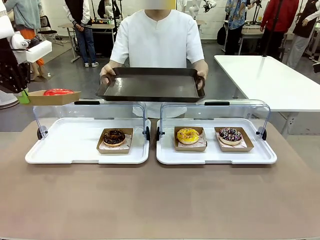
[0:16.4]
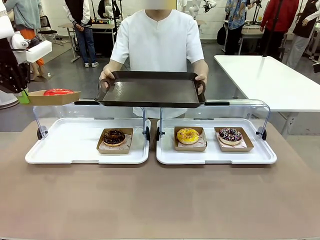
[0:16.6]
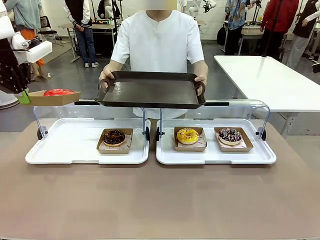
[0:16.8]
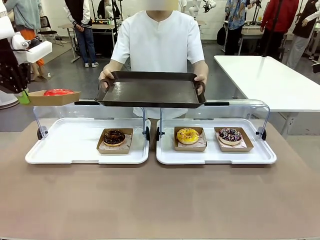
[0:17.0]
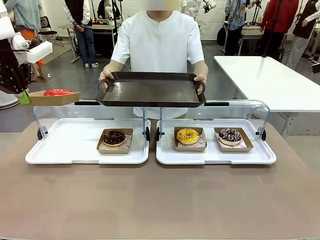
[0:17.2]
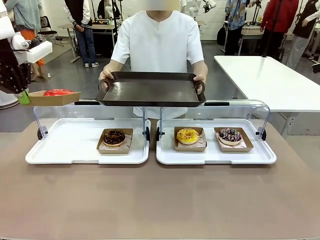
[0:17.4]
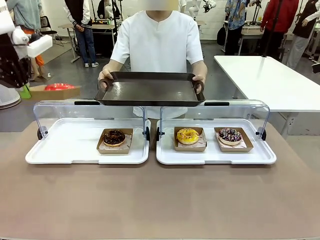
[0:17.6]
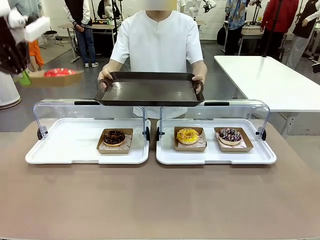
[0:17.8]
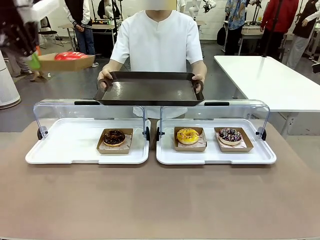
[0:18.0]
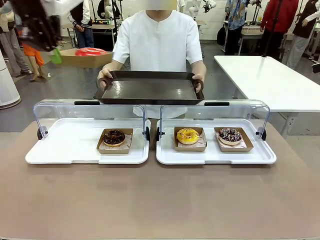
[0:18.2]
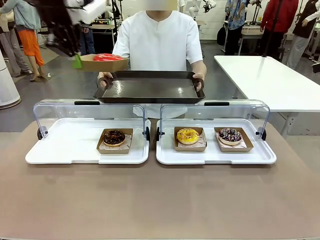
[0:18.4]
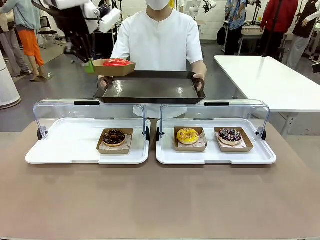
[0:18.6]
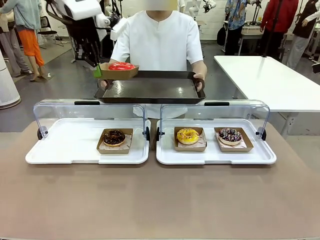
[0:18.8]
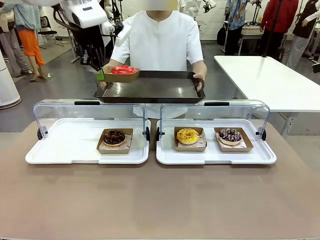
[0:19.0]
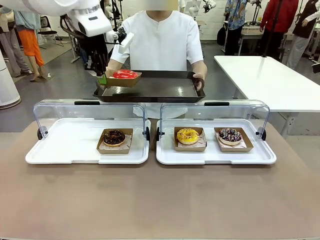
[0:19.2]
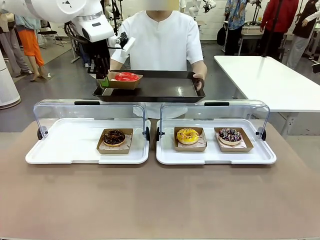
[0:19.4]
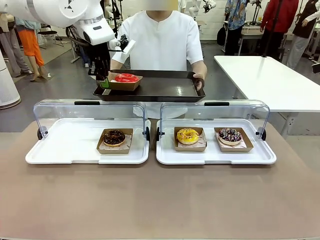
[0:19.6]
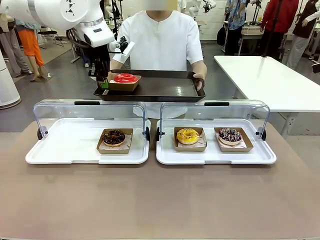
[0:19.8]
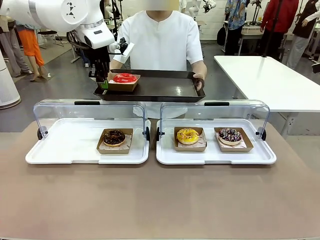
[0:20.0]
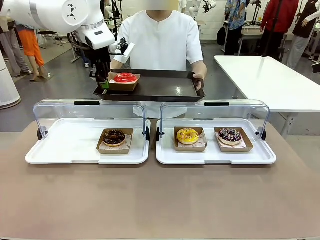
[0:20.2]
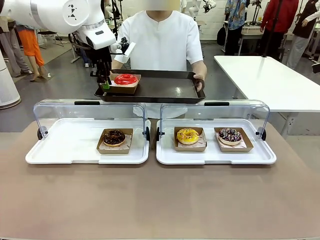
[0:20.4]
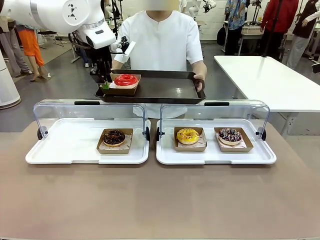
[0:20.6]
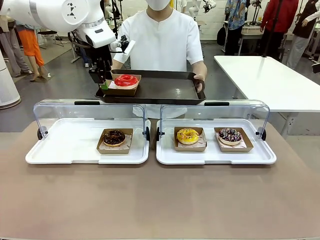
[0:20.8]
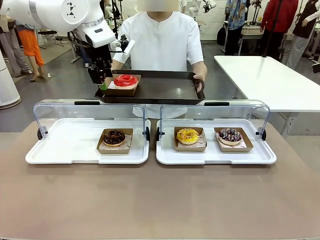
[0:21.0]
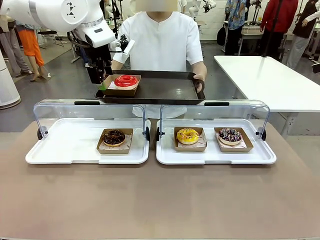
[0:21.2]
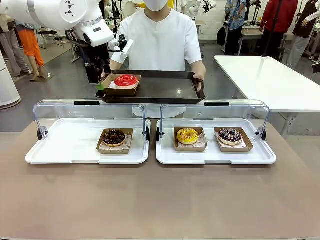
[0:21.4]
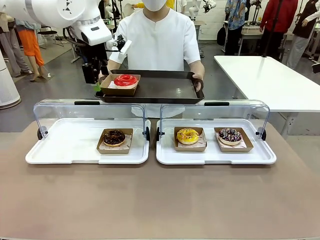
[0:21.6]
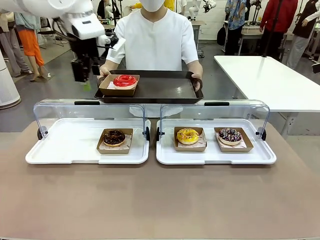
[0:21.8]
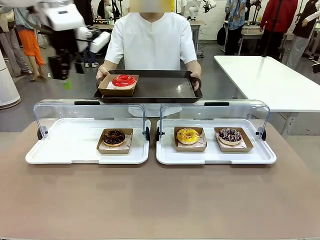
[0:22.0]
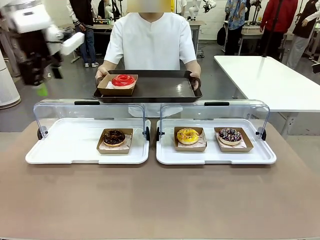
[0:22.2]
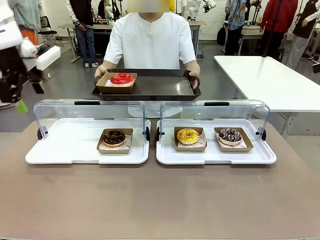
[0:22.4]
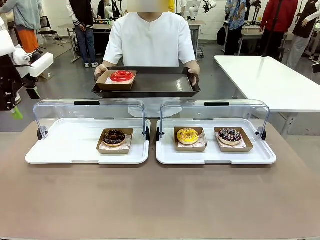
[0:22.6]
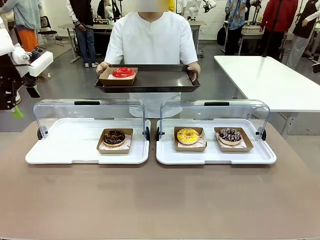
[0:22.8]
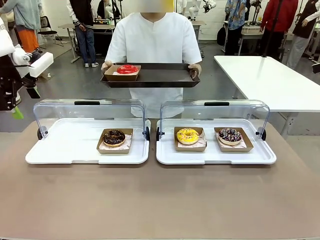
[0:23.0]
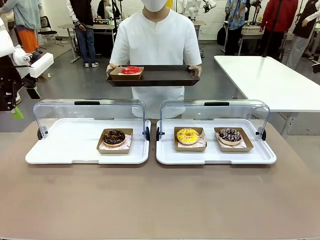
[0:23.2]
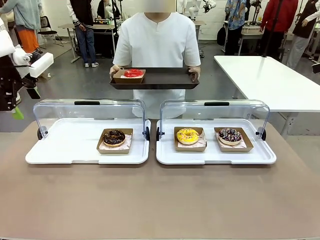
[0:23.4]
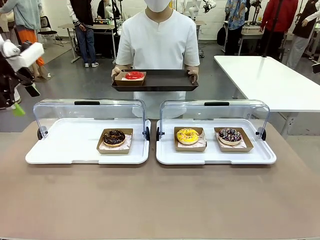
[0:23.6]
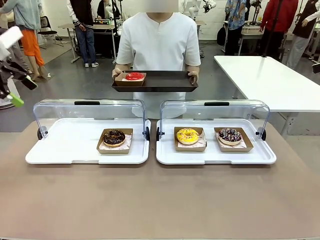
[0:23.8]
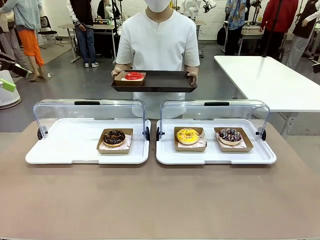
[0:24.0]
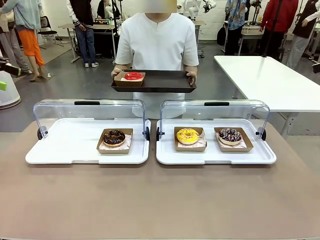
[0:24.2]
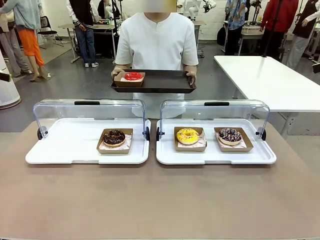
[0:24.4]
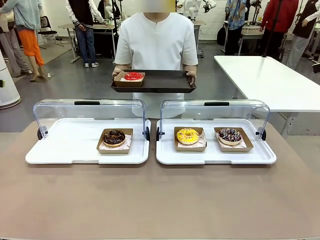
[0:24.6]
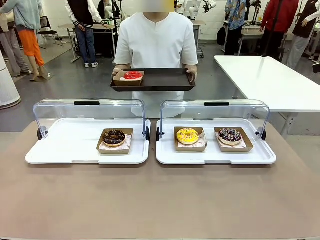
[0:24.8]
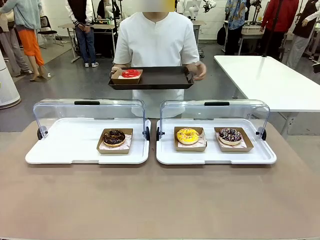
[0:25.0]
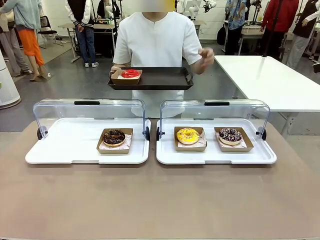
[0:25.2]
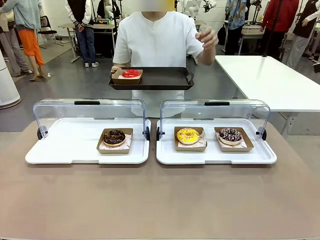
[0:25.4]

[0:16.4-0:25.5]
Task: Provide the desired donut to the person.
Robot: Place the picked Paper togo box onto the Handle tray extended by the person.
Person: Point to one donut.

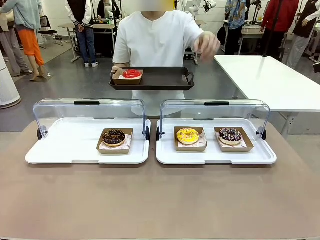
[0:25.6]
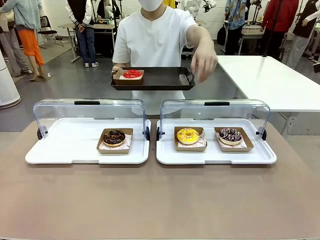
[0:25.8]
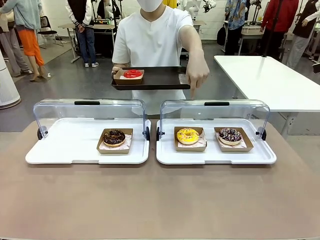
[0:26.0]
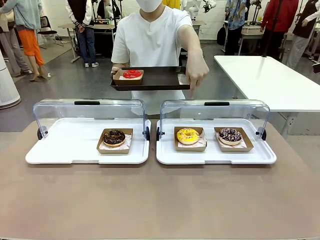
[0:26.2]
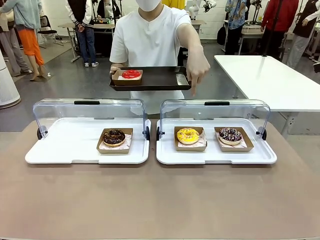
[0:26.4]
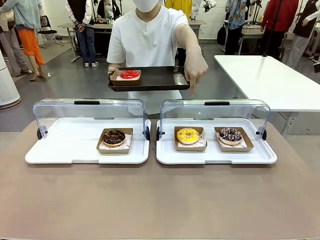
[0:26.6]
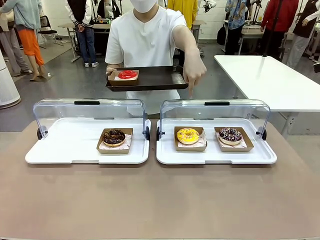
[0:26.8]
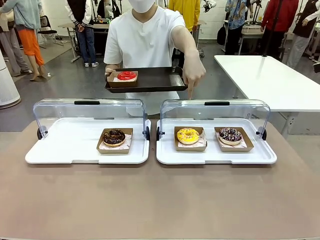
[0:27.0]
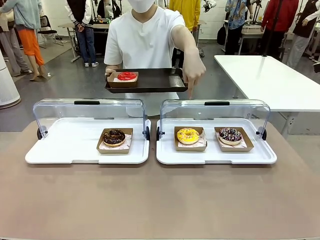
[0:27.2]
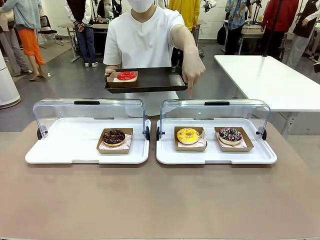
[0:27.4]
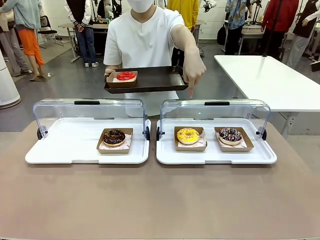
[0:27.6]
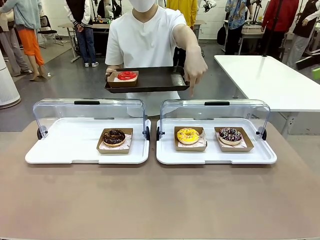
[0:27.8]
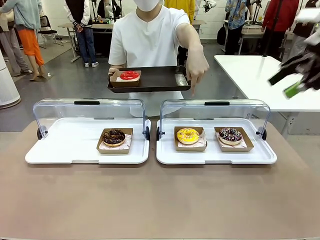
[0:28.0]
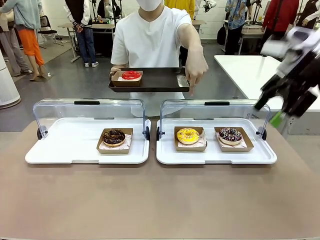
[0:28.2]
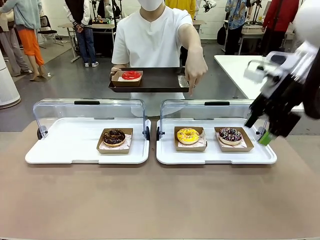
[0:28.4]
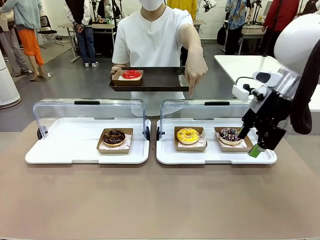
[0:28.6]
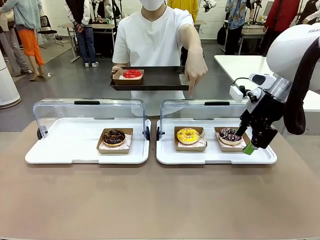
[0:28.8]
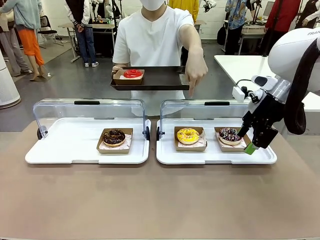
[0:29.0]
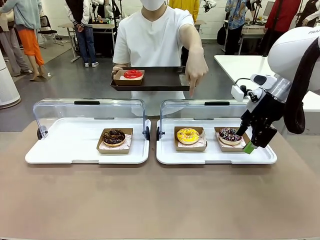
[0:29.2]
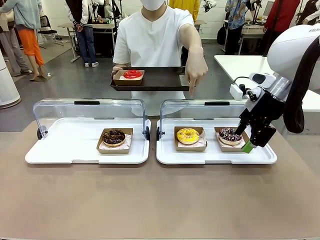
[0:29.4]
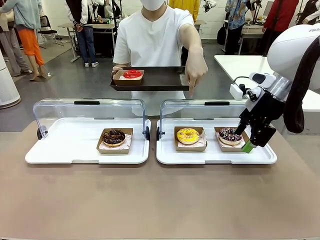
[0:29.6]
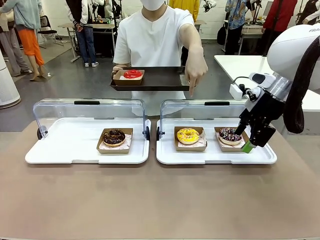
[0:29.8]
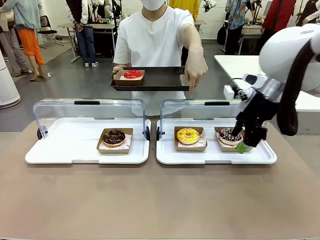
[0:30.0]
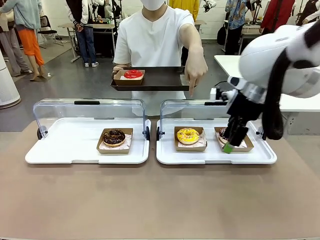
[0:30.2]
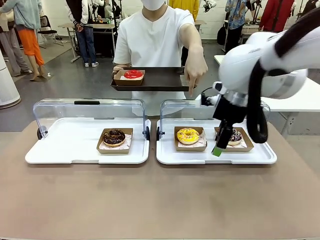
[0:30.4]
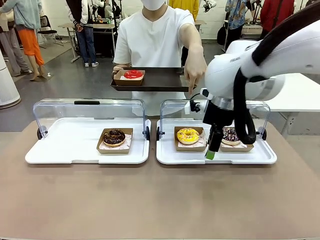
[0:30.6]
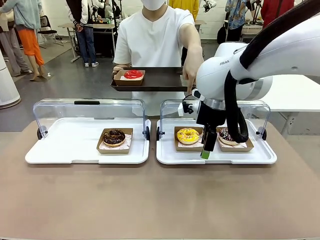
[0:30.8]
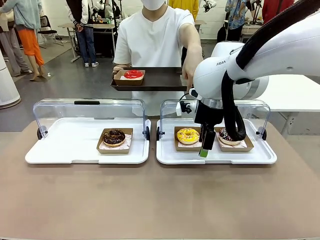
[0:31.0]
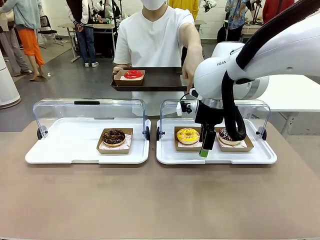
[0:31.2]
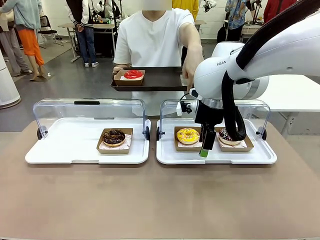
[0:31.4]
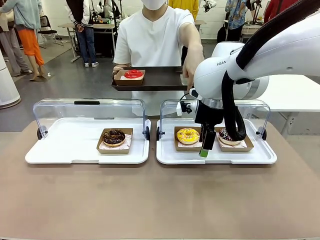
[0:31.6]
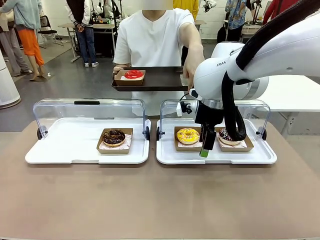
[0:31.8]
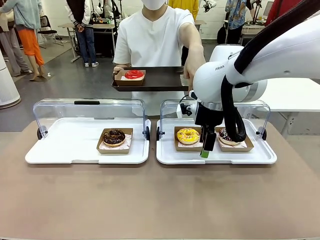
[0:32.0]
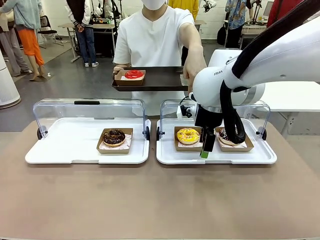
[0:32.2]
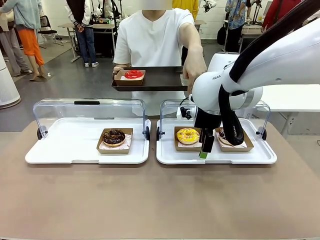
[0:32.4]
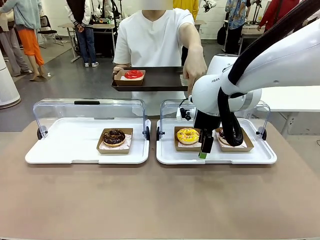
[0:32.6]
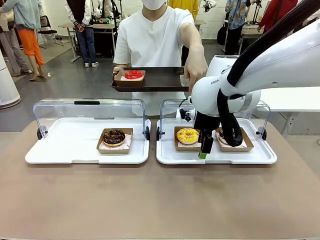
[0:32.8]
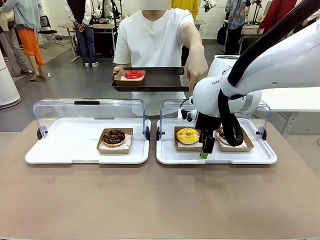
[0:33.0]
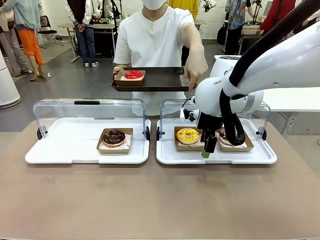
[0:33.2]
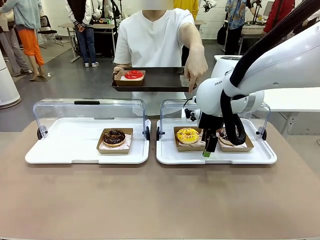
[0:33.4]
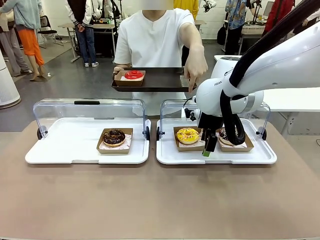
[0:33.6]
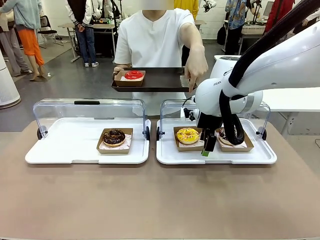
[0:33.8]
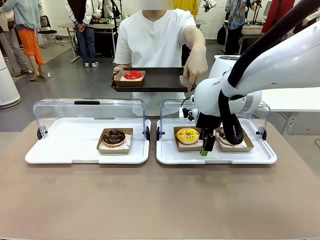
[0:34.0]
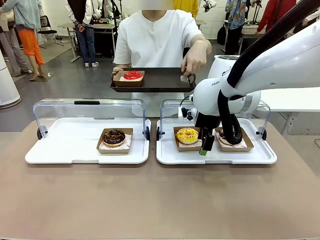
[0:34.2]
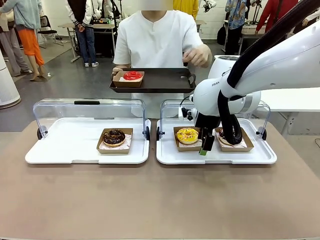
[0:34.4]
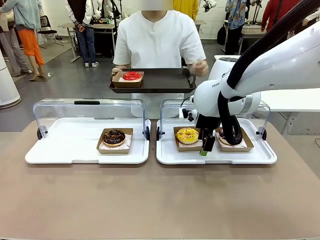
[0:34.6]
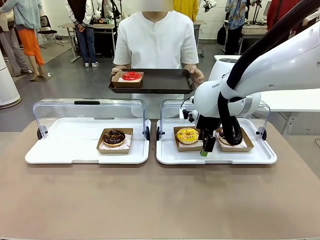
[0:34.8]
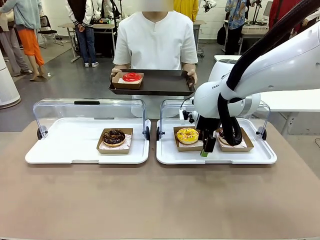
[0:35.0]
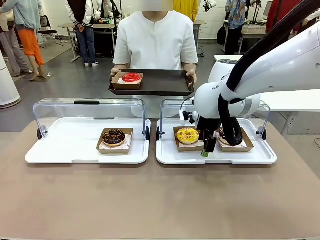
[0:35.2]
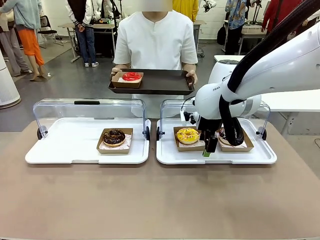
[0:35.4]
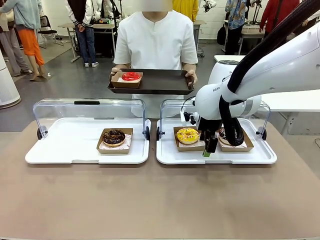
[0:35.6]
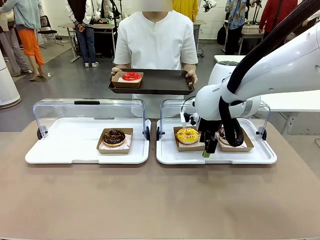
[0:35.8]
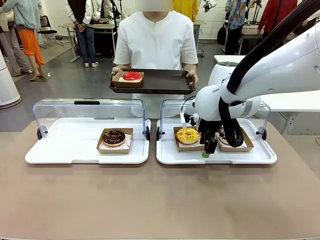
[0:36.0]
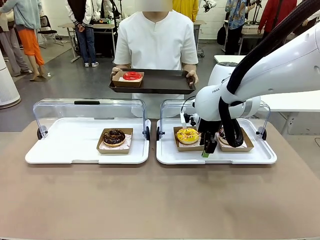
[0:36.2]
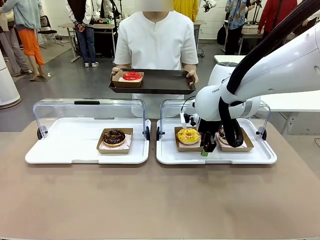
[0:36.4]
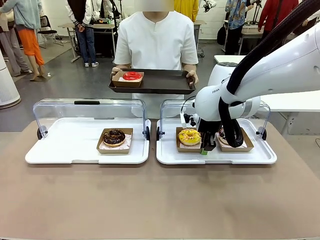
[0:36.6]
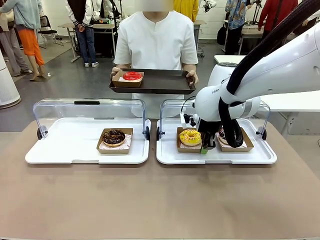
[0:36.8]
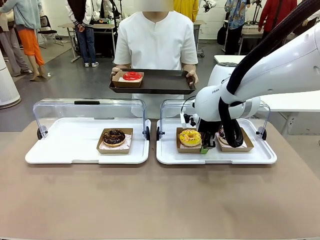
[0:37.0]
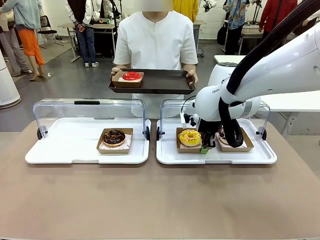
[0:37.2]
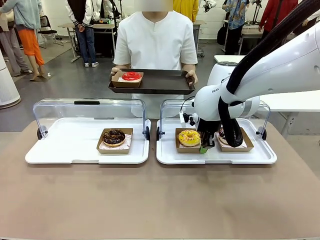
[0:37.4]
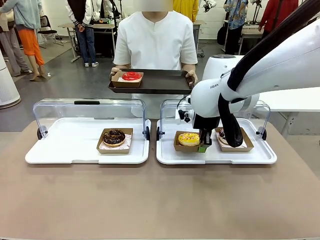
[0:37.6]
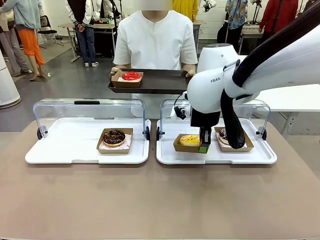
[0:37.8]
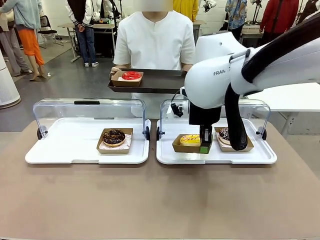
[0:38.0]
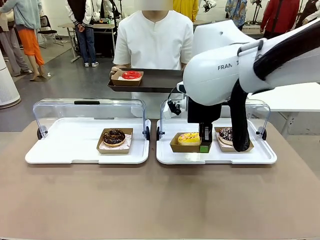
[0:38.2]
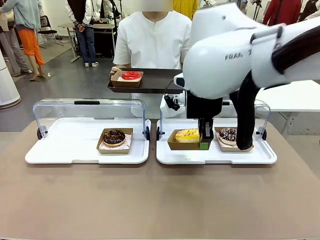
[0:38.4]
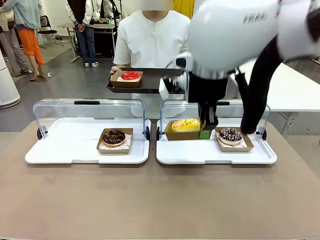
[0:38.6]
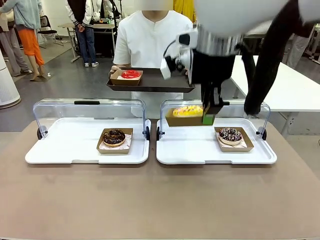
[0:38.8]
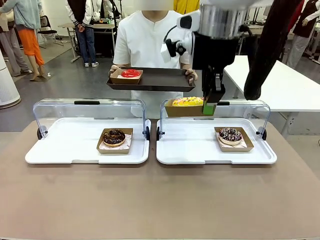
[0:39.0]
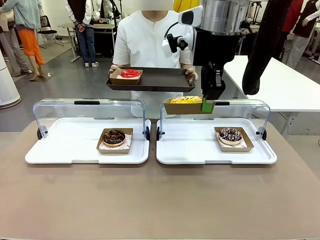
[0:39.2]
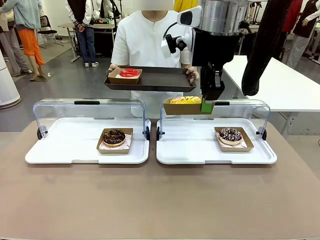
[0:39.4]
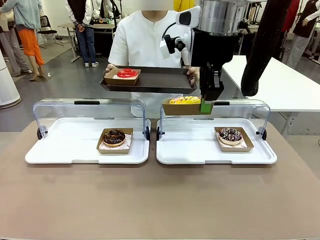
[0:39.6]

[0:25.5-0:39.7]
Robot: Pick up and lift the Paper togo box containing the Donut pointed at by the person.
Person: Lift the tray onto the Roll-Top Bakery Case.
